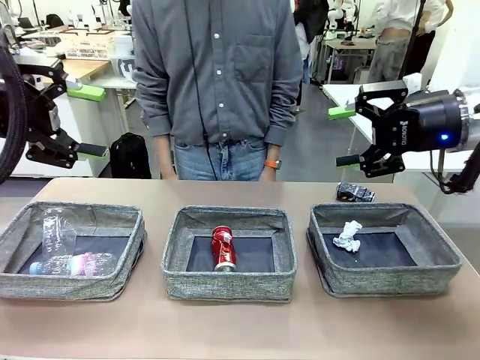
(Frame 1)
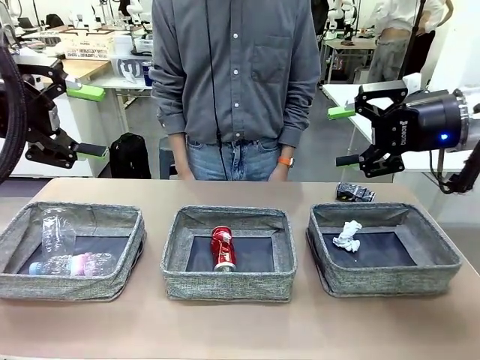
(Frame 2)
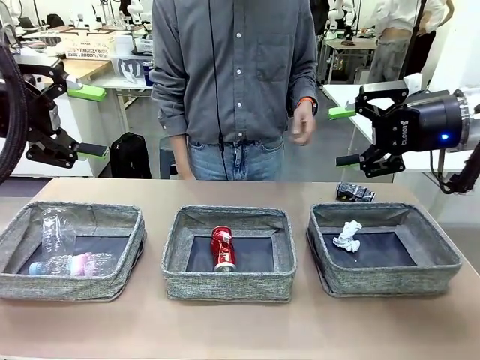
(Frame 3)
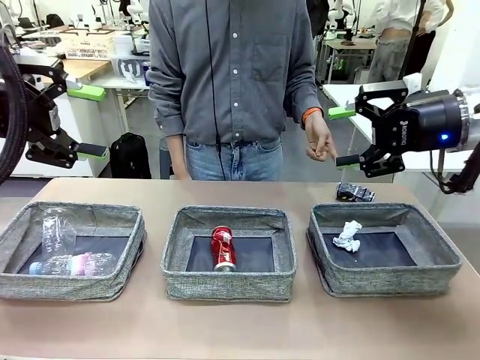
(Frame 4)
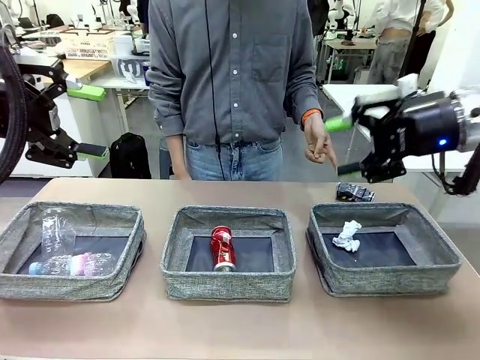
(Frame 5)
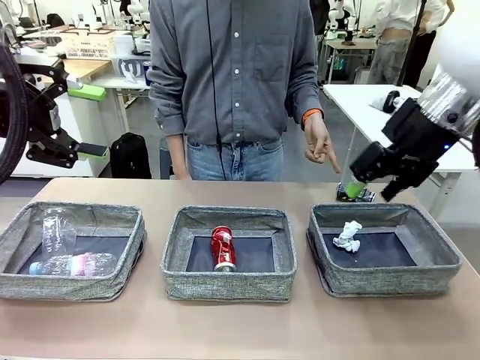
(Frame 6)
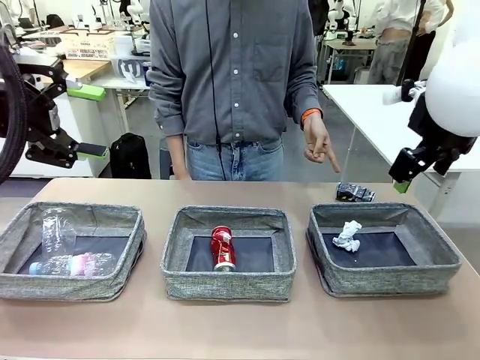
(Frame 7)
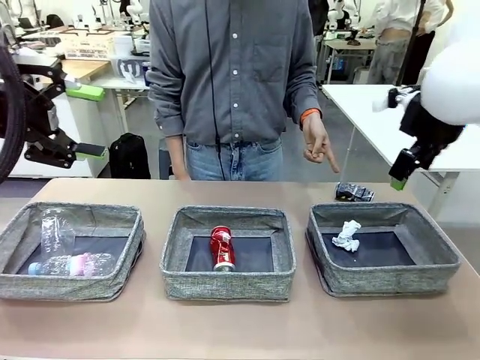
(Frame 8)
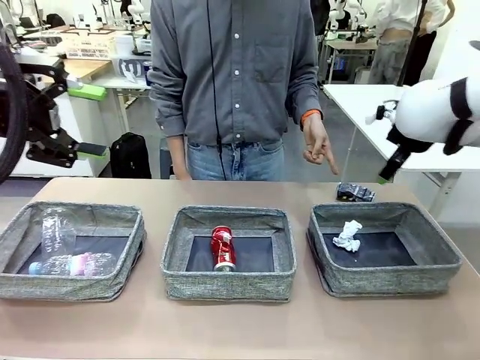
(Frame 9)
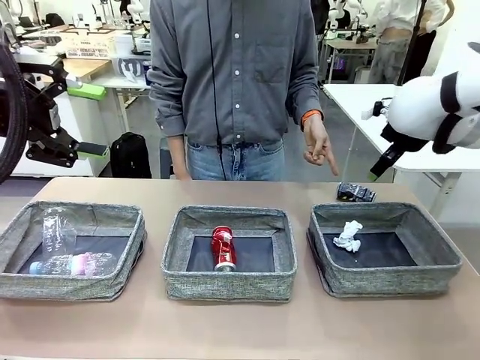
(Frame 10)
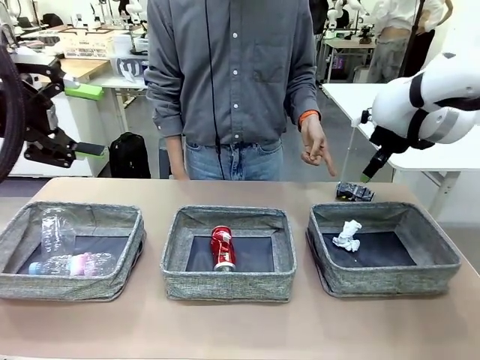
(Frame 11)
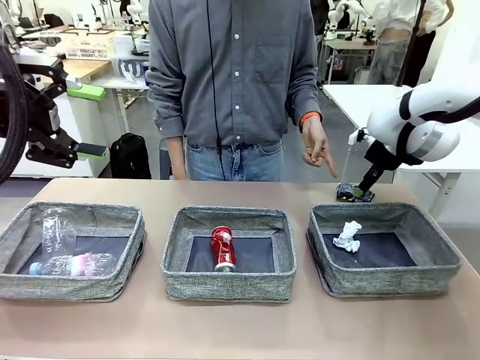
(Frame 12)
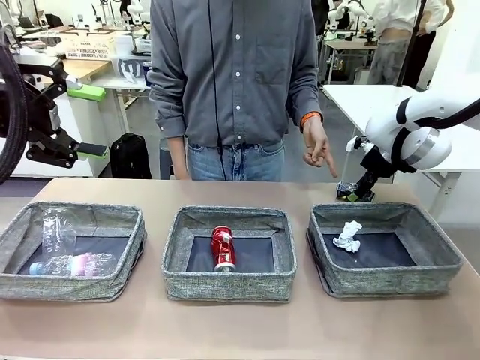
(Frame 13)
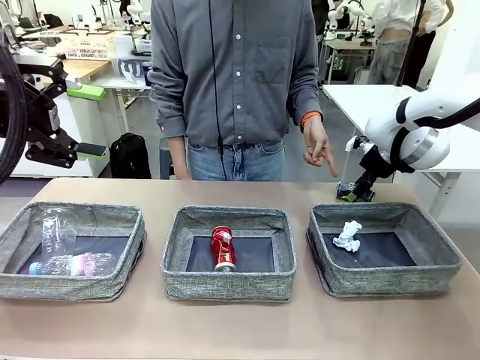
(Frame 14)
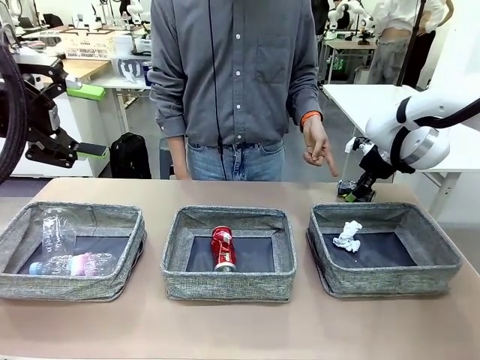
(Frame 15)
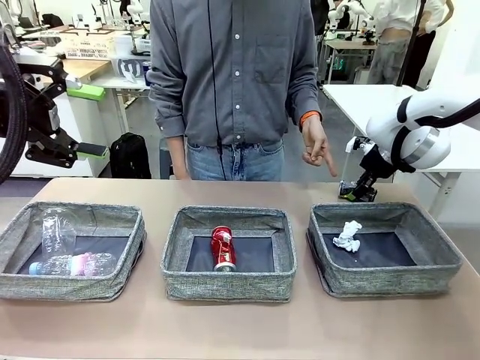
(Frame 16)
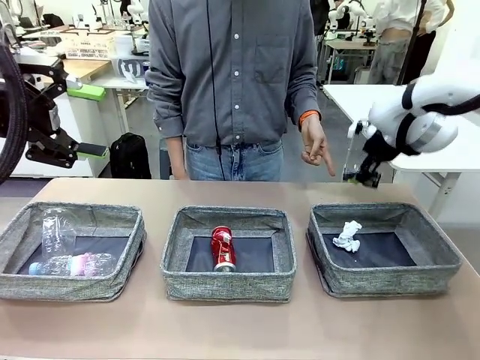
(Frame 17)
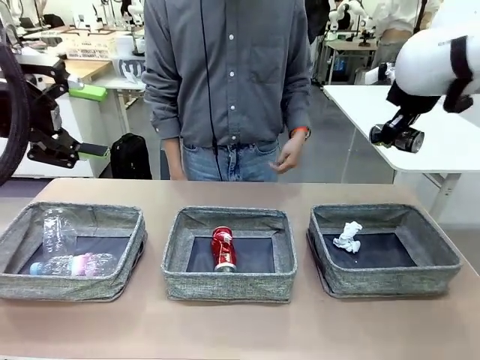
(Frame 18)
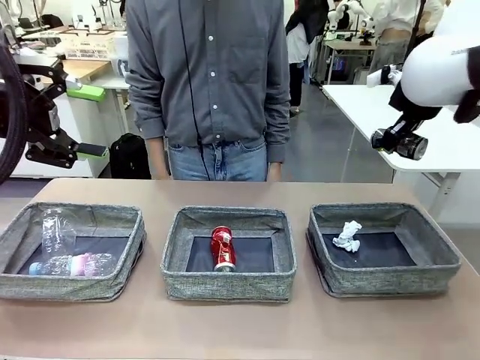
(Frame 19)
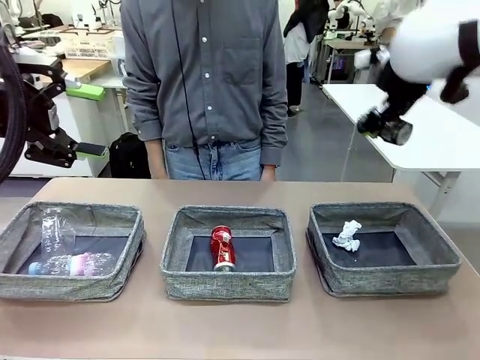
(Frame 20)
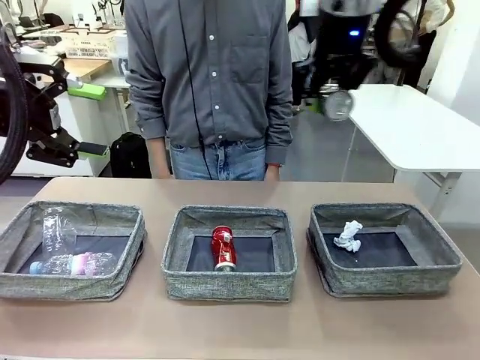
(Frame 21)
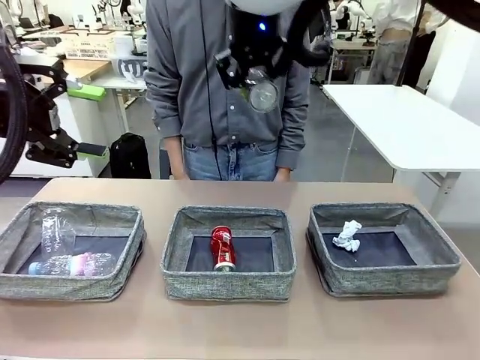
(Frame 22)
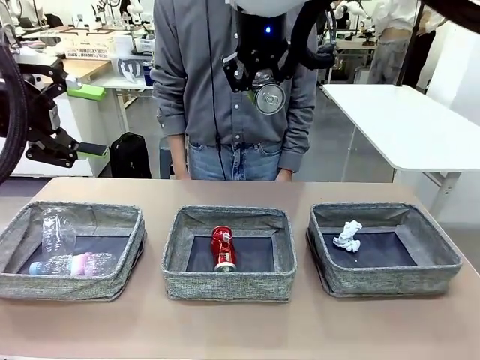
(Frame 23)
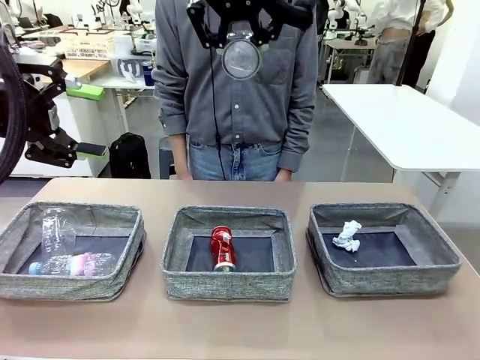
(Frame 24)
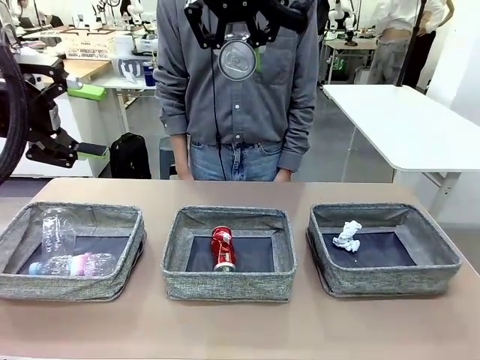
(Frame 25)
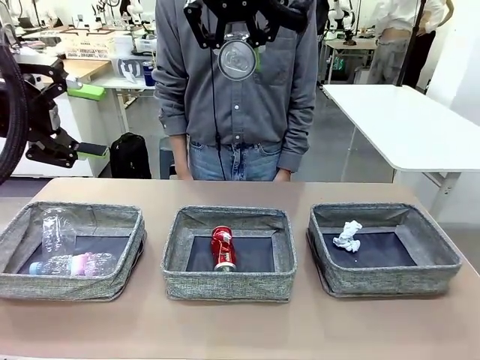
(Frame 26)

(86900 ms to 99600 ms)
Task: Sort the waste into the appropriate baskets.
Robot: Pick up the waste item pointed out by the person.
Person: Points to one piece of trash on the table.

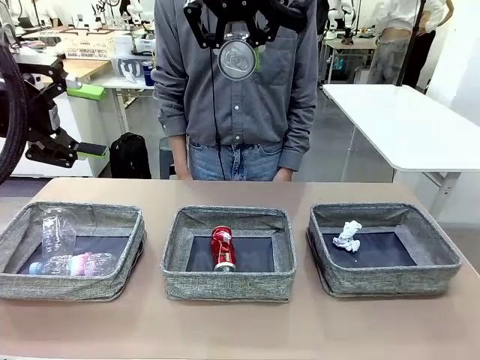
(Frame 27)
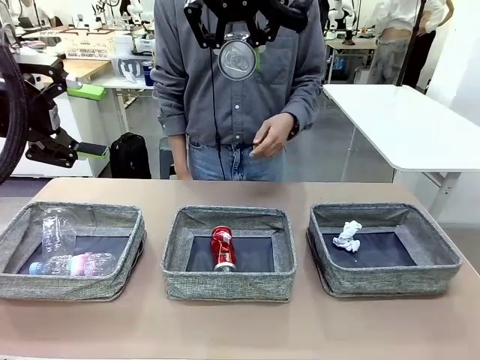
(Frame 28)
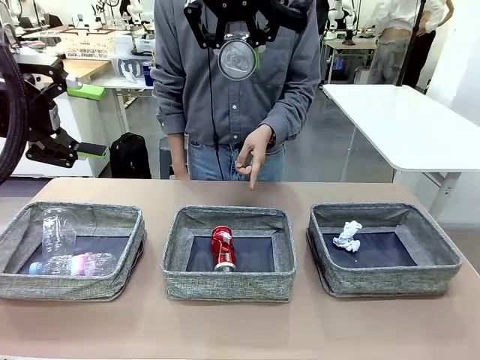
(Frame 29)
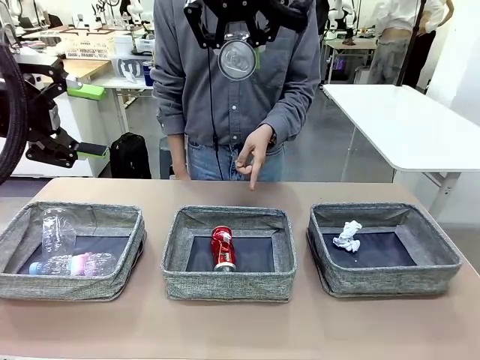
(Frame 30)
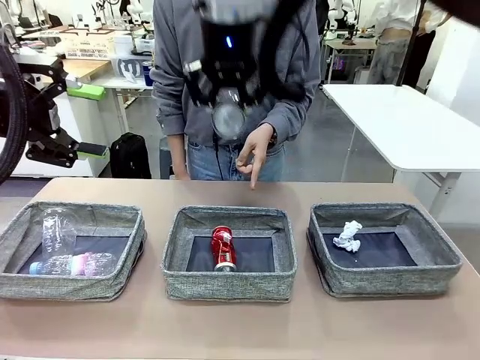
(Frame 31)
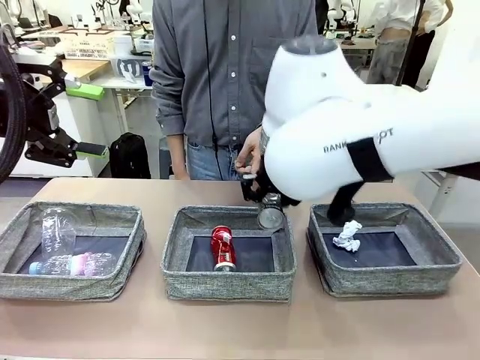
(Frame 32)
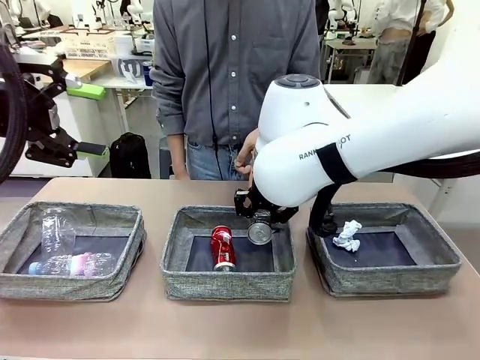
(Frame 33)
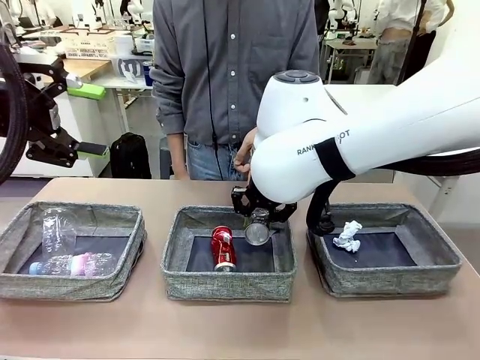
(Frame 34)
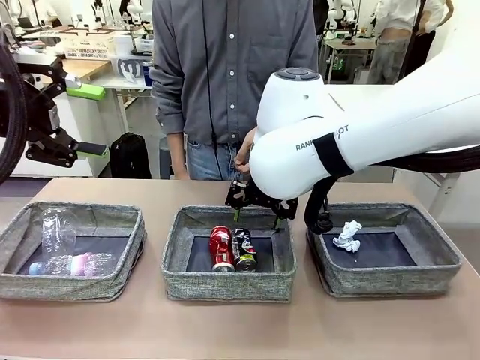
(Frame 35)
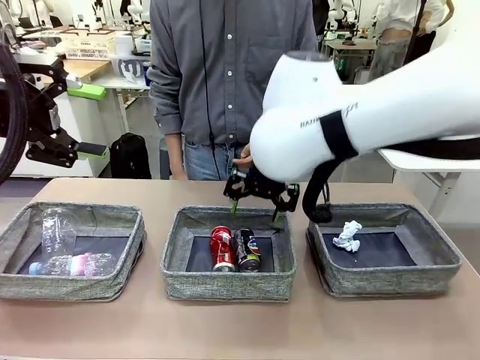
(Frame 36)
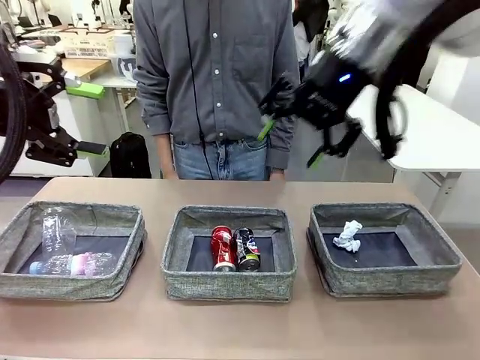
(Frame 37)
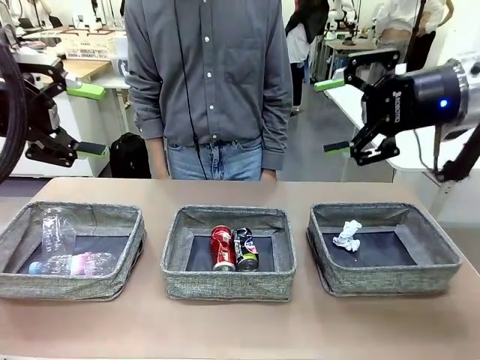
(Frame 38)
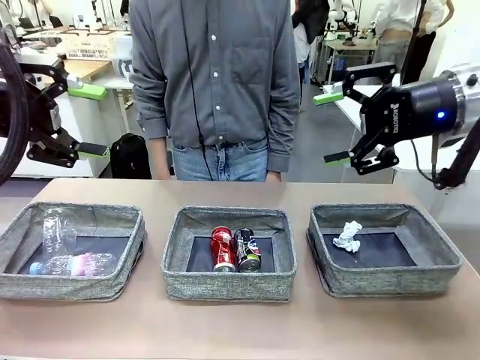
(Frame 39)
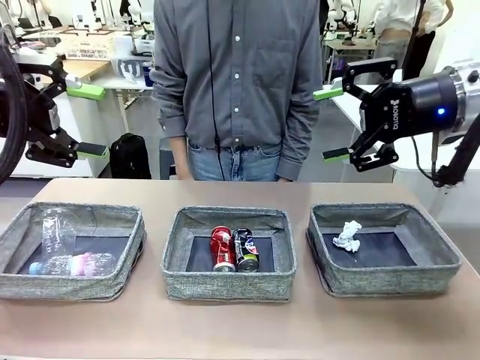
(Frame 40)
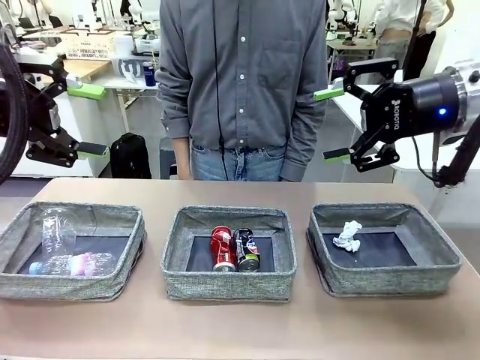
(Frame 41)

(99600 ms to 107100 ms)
Robot: Place the picked waste into the Fabric basket indicated by the person.
Person: Instructs the robot to place the picked-up trash into the appropriate organizing basket.
